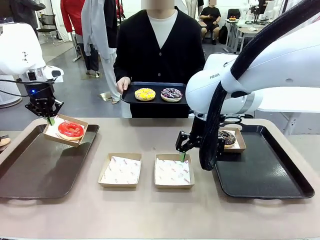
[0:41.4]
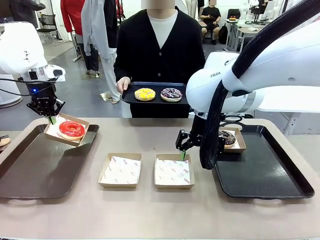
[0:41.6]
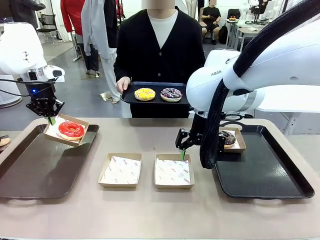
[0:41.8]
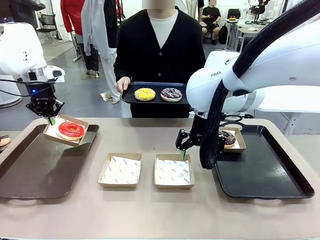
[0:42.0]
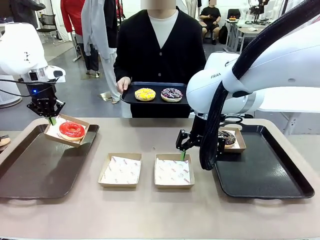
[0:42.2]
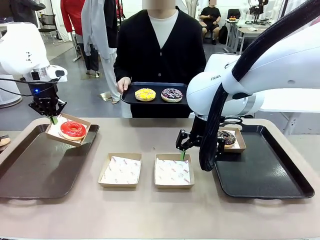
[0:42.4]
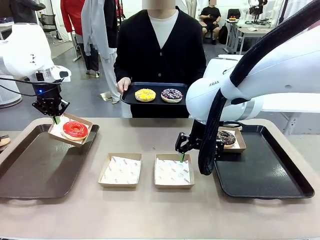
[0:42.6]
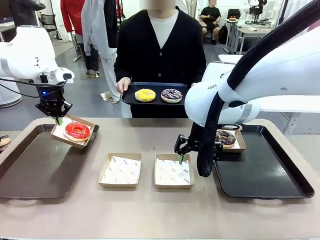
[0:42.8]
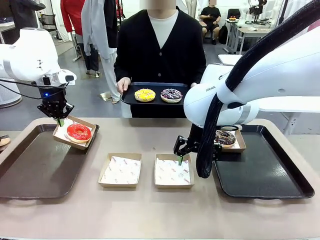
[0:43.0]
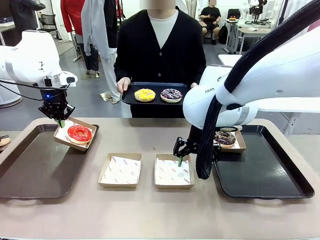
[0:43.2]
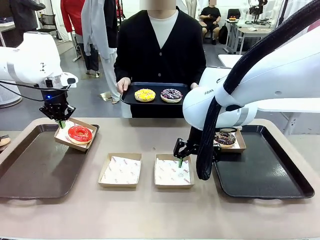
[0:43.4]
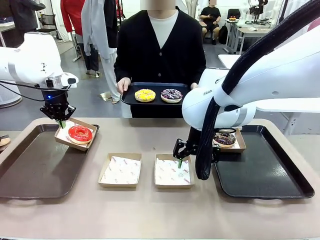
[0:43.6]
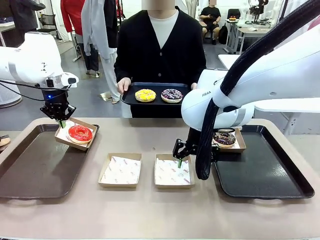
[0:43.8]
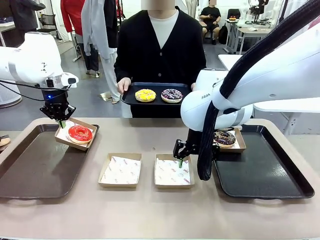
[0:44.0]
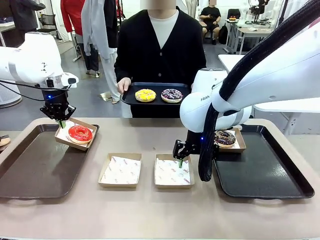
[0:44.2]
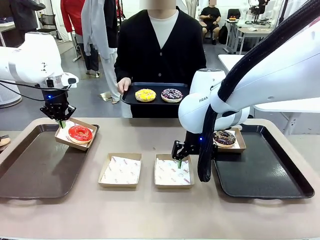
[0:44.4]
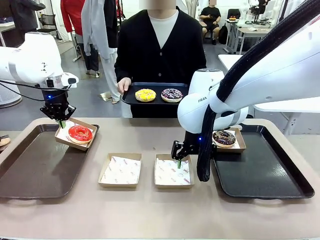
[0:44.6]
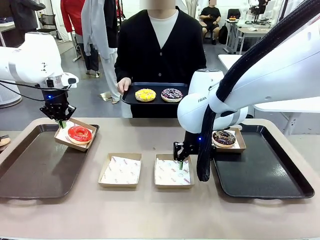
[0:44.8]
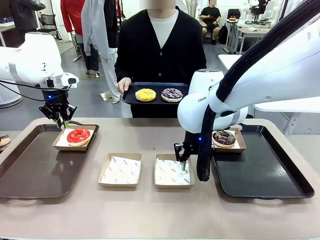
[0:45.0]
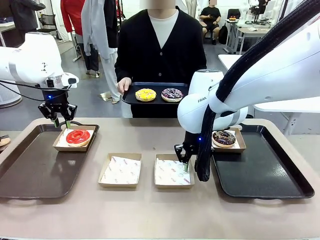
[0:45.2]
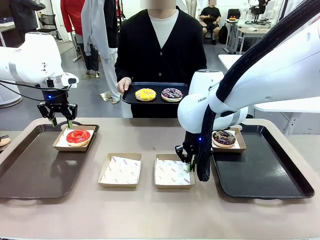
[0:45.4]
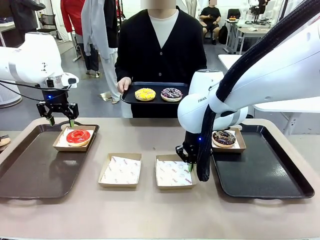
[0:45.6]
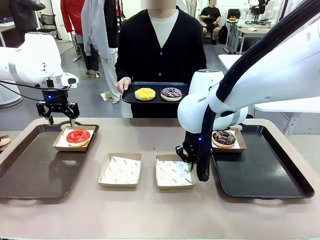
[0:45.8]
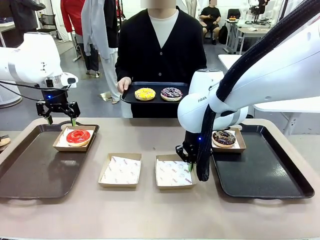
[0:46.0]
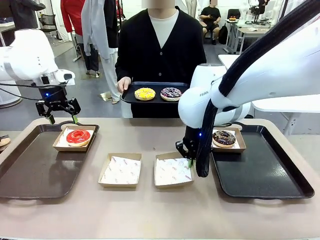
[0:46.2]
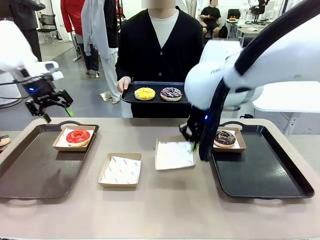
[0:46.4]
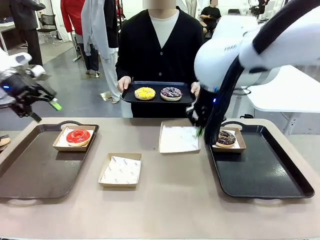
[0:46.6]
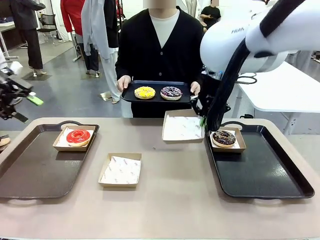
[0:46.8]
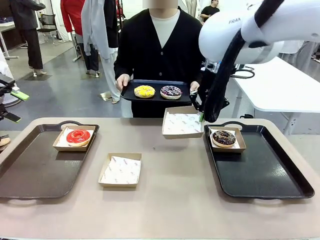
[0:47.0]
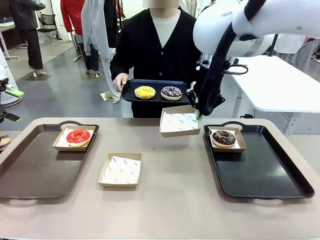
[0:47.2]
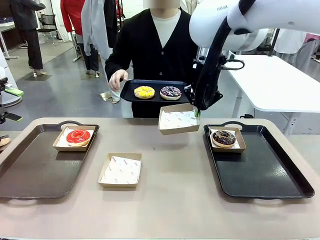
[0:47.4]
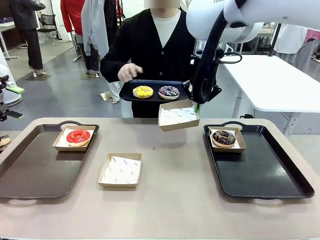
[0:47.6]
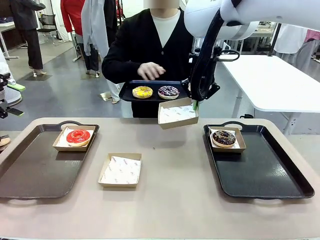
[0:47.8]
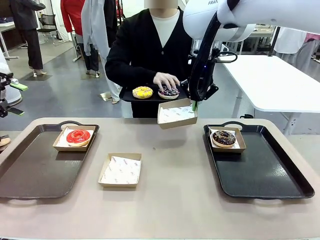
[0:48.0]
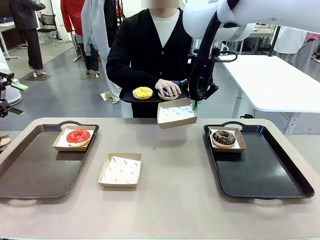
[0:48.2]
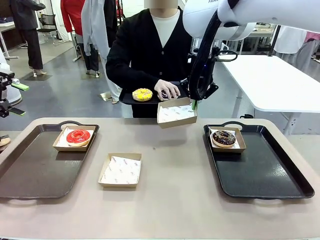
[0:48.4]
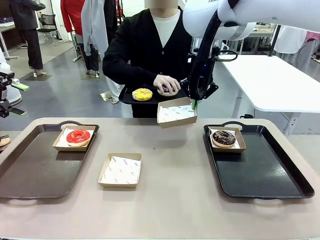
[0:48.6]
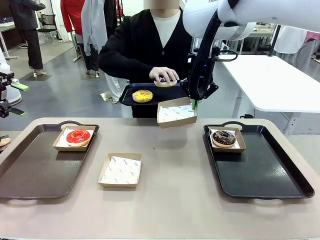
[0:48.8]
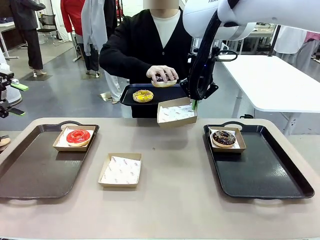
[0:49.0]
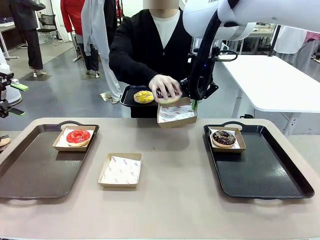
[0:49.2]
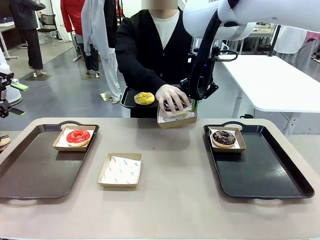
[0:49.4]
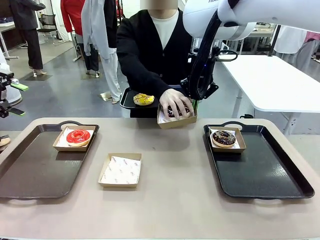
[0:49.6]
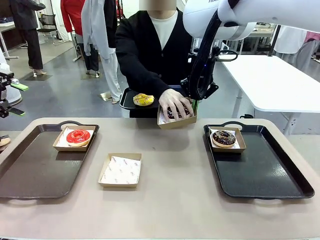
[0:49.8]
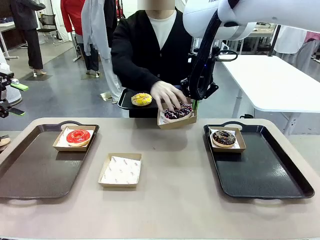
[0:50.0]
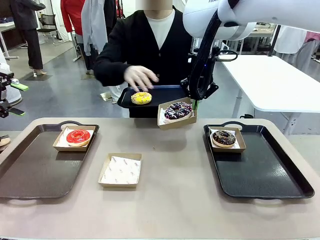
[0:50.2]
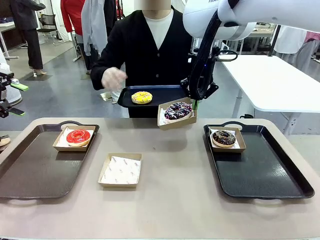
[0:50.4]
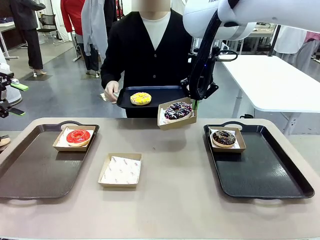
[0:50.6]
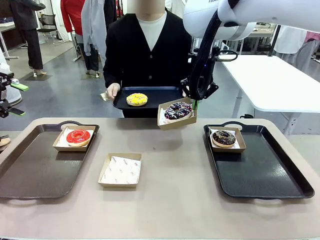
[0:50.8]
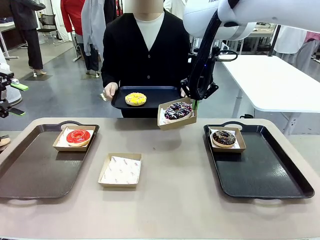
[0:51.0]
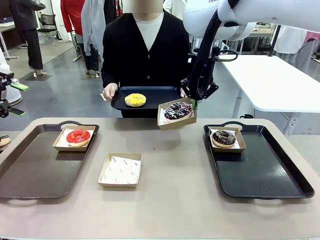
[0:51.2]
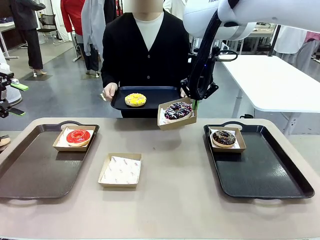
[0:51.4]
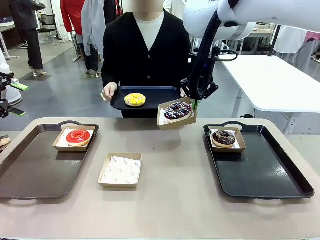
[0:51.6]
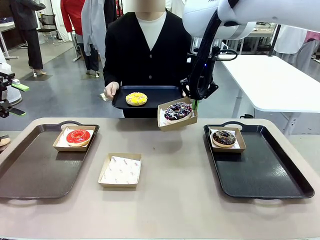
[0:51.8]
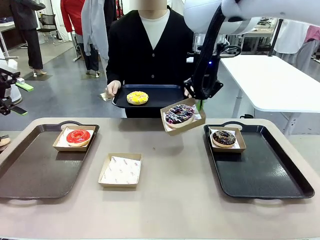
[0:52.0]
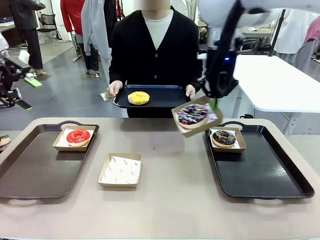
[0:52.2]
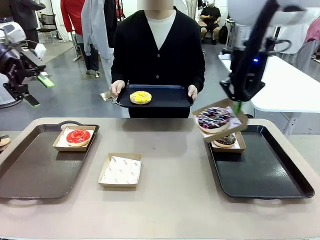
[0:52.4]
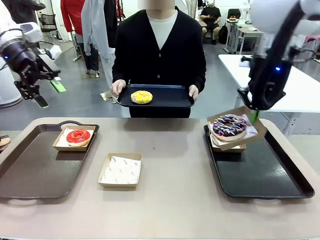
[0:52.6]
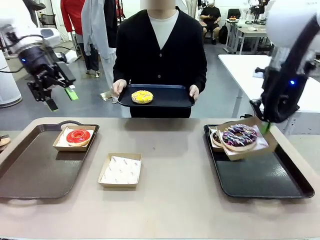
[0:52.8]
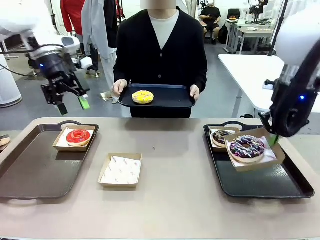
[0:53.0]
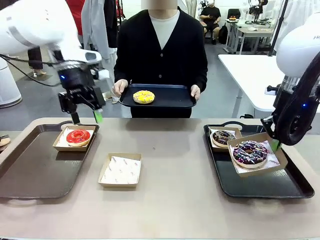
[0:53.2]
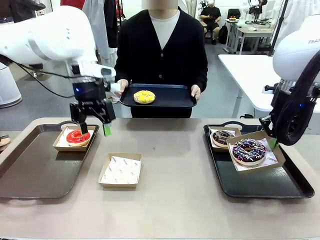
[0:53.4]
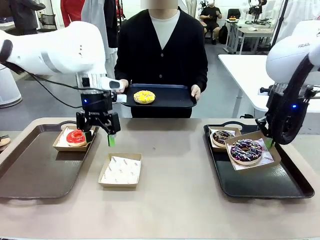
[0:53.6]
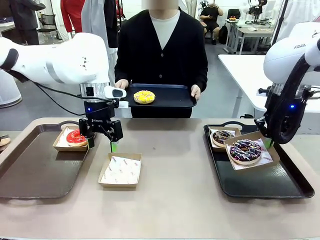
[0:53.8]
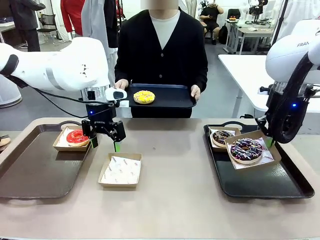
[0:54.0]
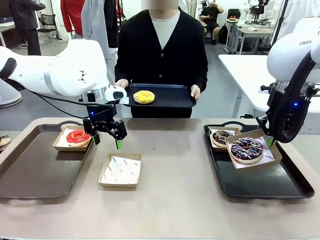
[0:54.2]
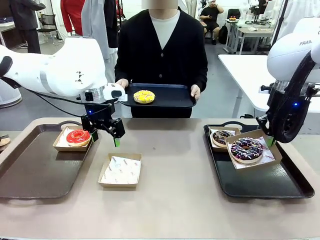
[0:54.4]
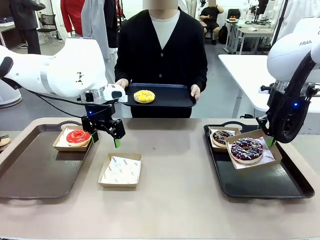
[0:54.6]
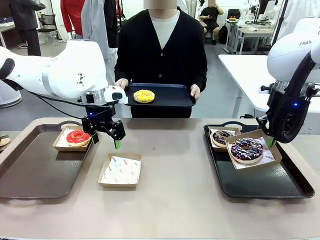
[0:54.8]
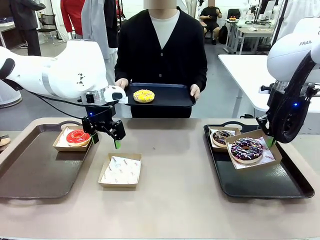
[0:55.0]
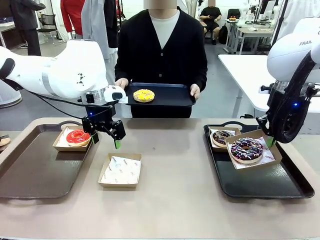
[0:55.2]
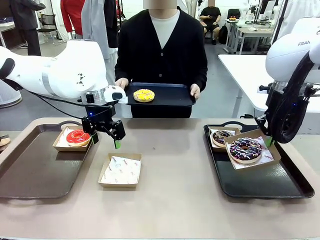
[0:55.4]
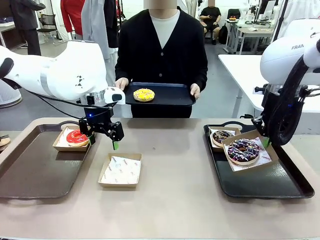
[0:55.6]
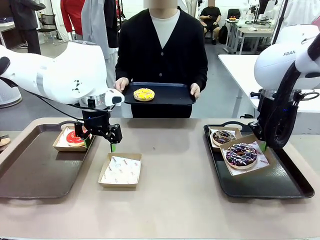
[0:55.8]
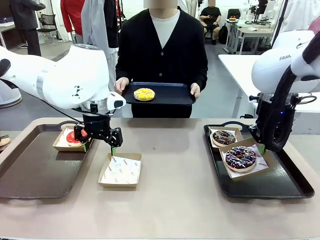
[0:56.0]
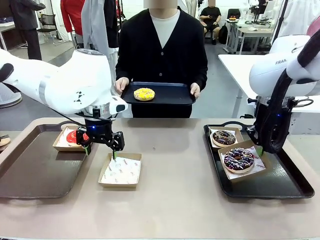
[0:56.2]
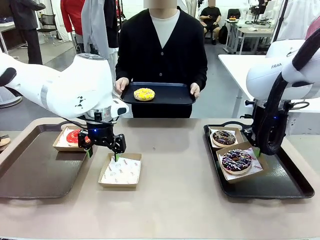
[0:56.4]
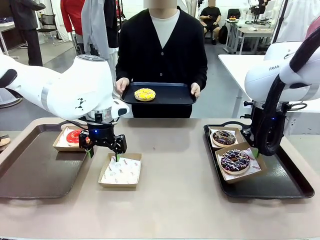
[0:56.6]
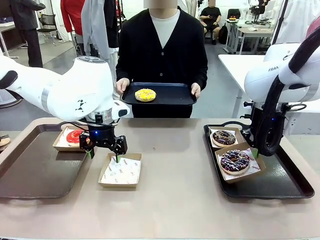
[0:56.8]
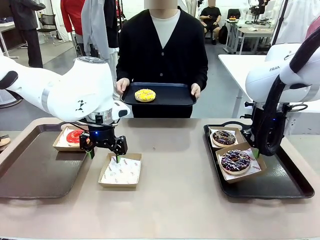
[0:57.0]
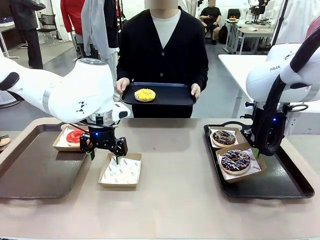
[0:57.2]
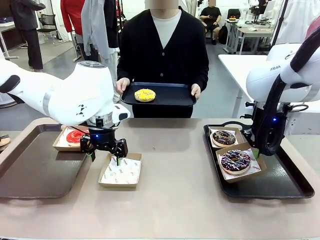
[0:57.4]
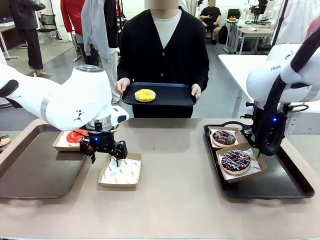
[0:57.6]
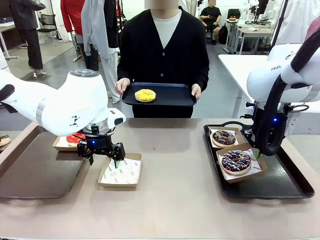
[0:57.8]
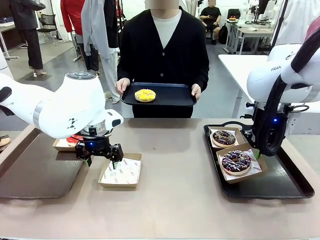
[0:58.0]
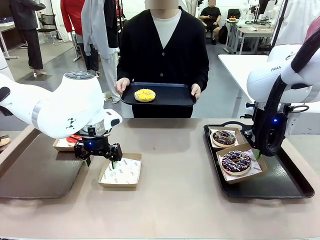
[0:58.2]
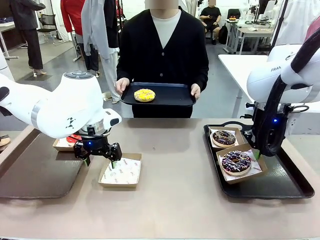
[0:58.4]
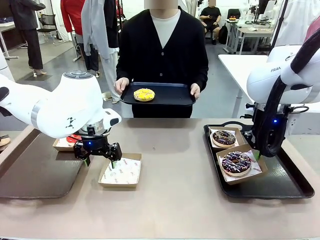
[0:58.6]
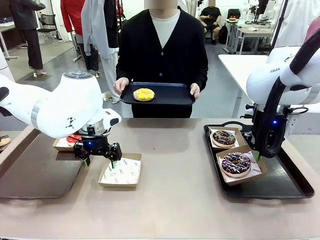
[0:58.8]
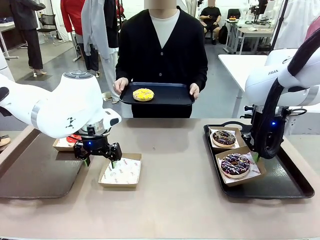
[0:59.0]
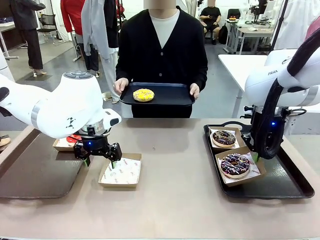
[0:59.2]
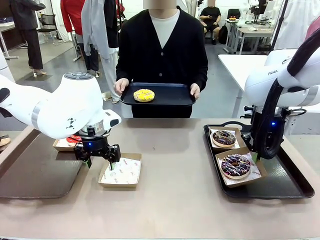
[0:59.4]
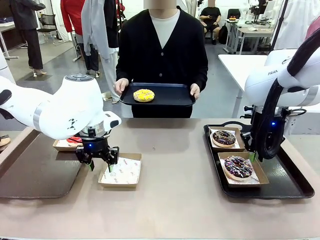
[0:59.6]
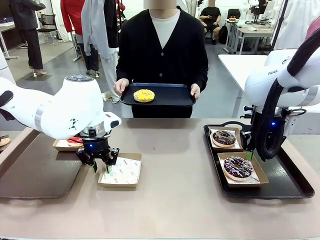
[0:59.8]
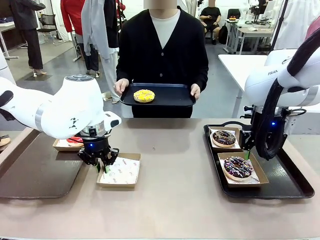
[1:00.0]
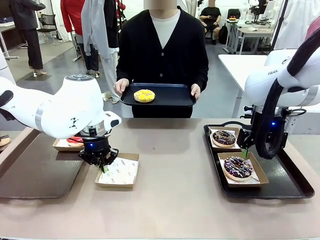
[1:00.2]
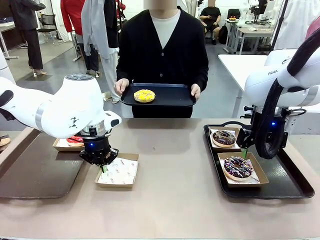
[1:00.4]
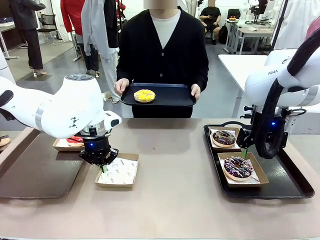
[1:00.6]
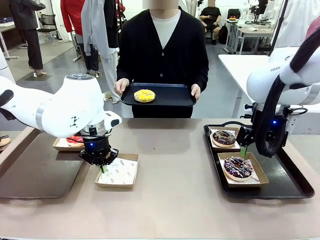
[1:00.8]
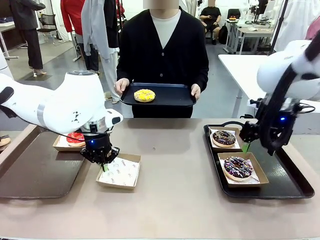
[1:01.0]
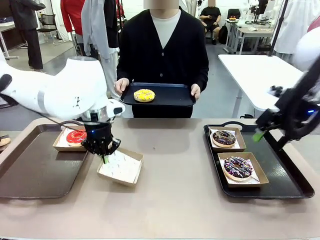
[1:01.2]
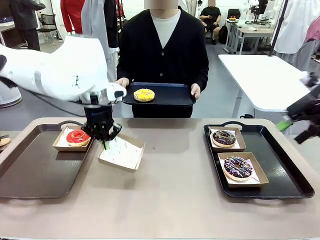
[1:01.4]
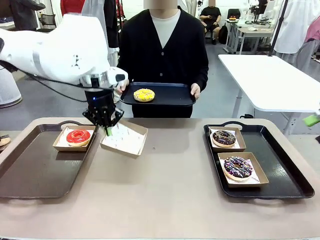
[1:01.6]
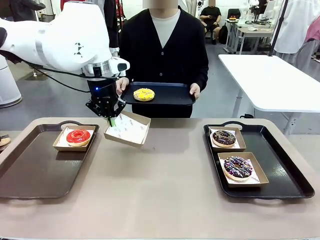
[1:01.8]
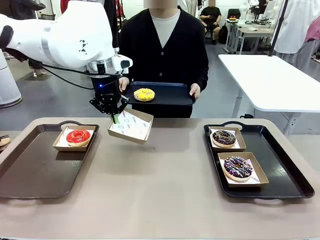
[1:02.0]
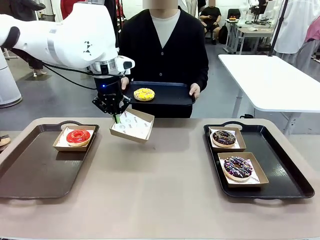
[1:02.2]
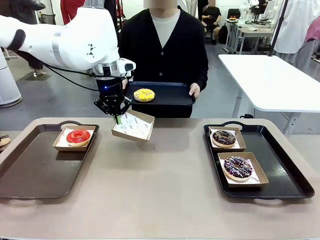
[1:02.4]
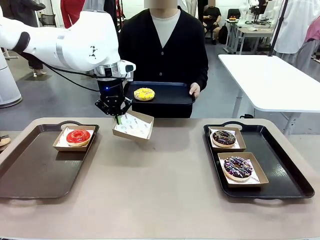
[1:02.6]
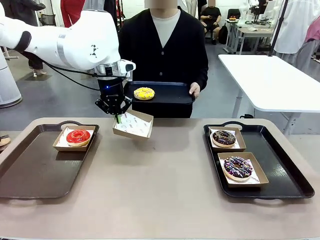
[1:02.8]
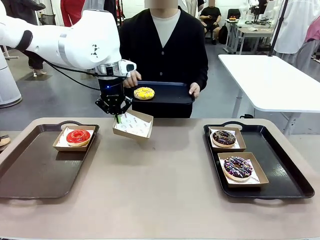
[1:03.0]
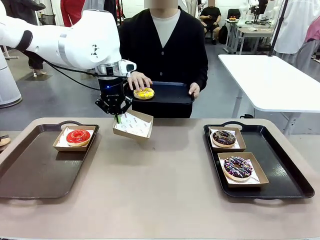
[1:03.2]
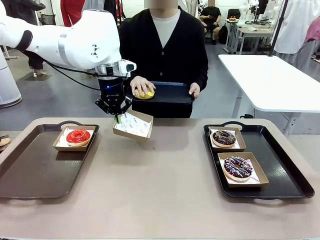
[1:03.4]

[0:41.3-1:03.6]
Task: Individually package the donuts and arrange them on the tray.
Robot: Place the picked Paper togo box on the Handle tray while simultaneously picking up another Paper togo box from the table with the other hand.
